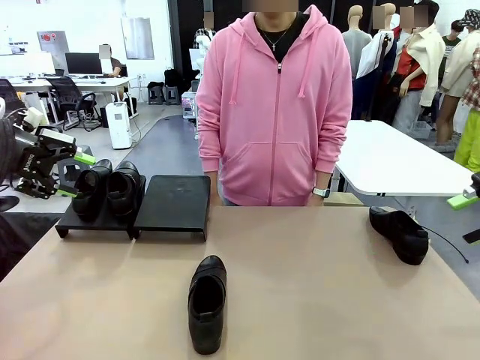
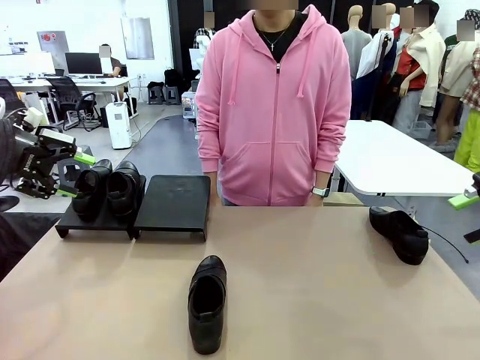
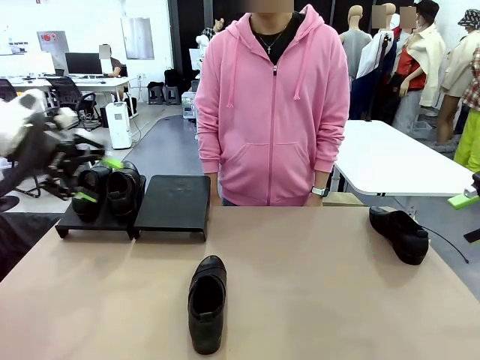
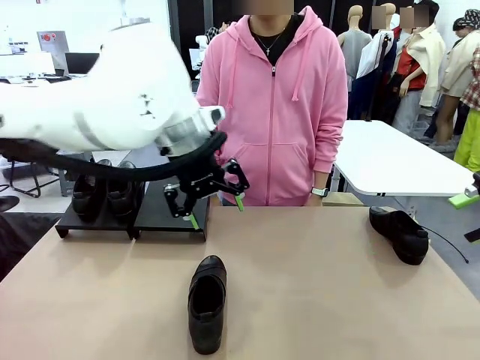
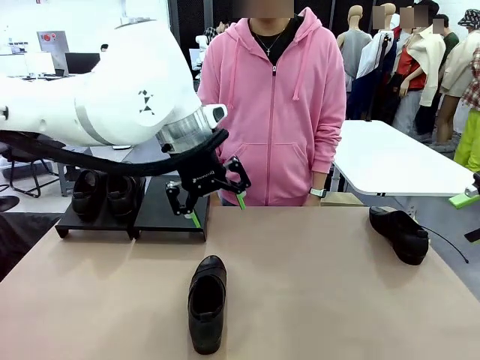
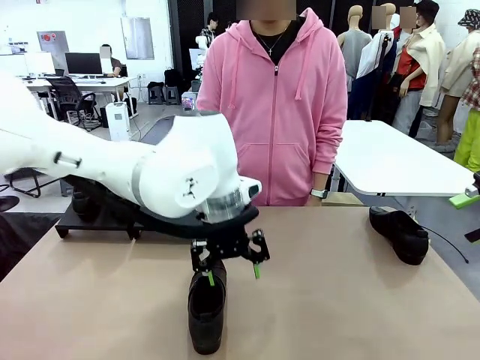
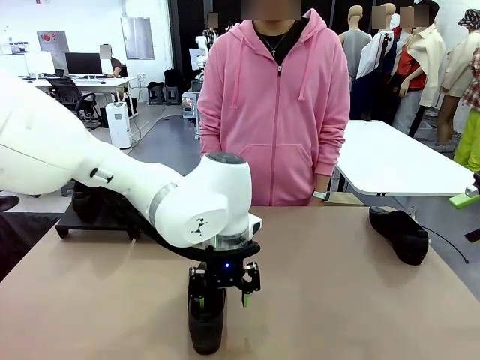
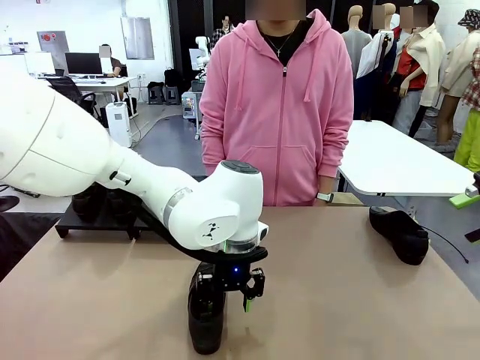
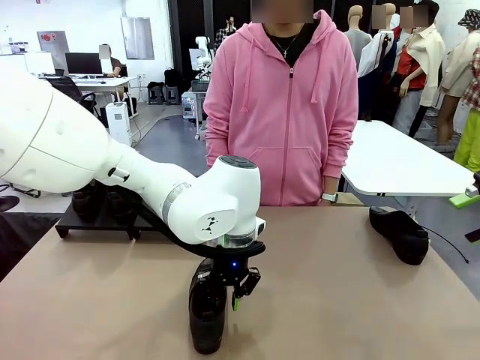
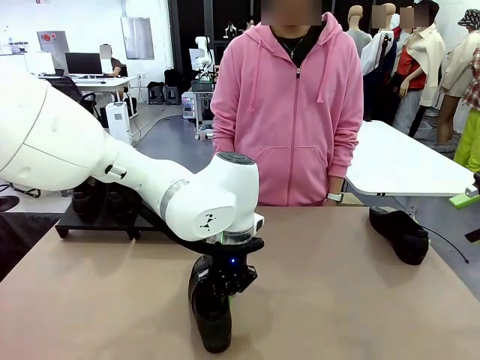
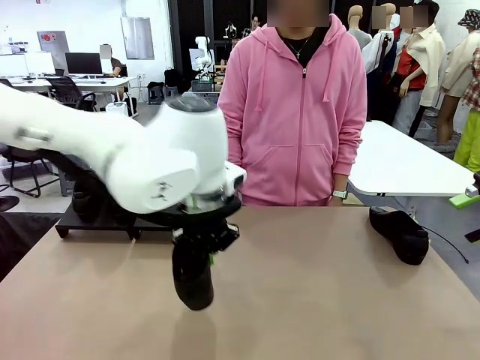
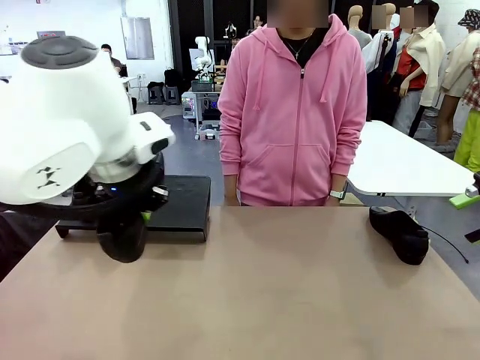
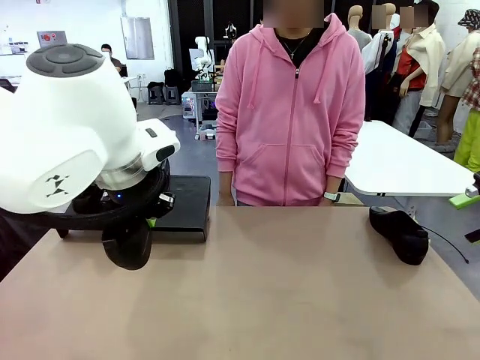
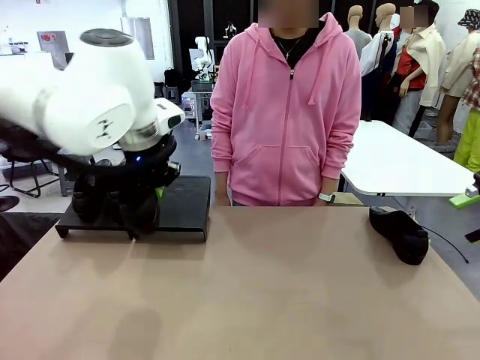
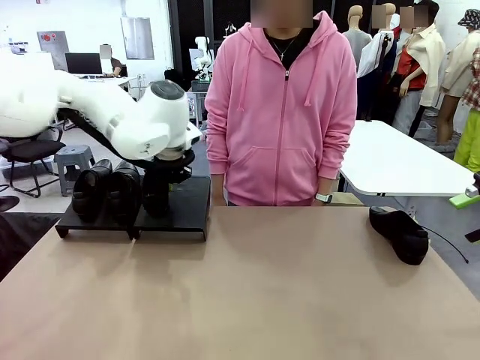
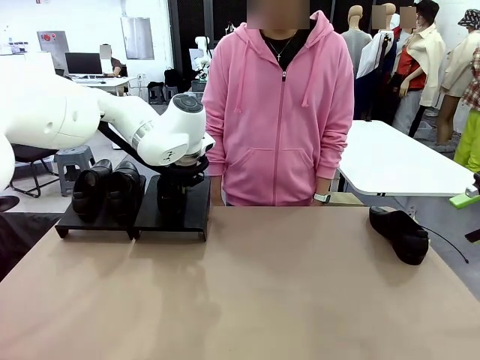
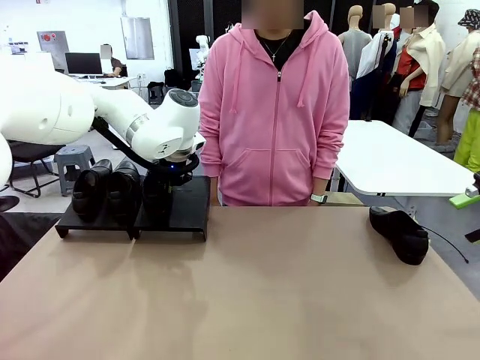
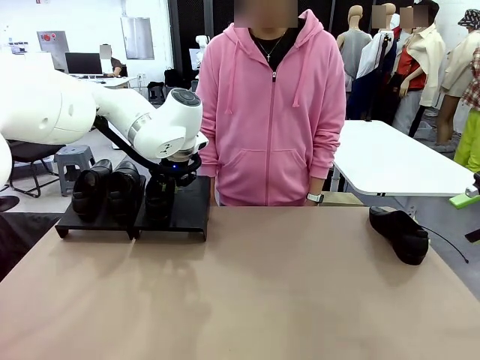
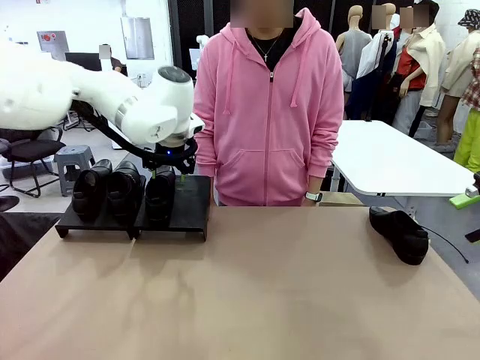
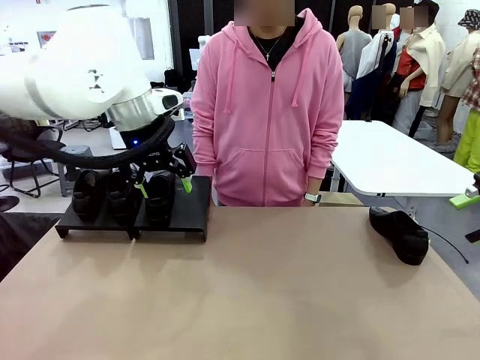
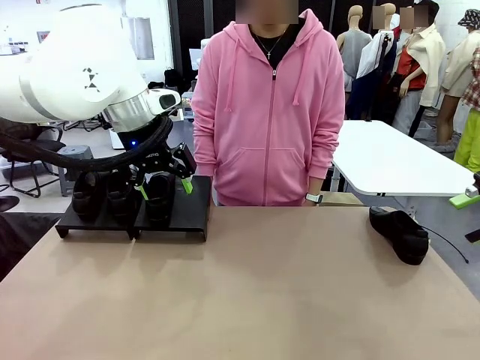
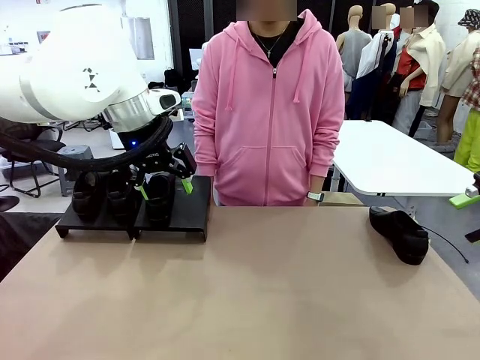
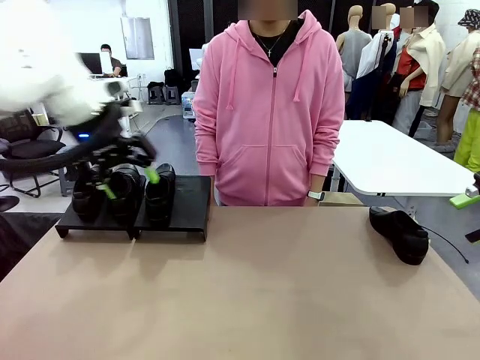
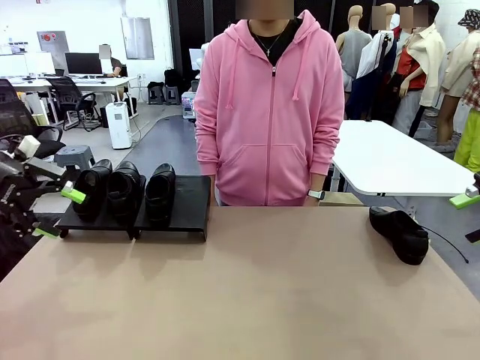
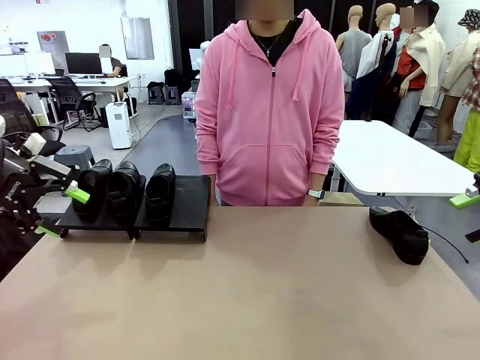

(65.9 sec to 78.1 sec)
Task: Organize the shoes by placing them on the stand.
Robot: Place the Shoe from the middle of the table onto the Shoes Stand.

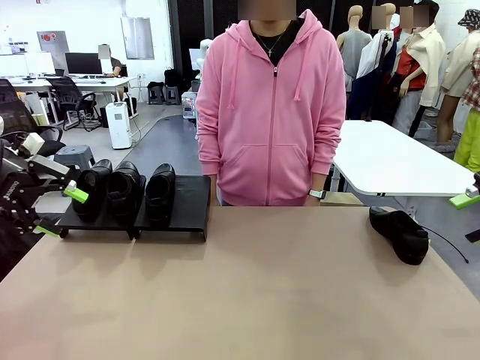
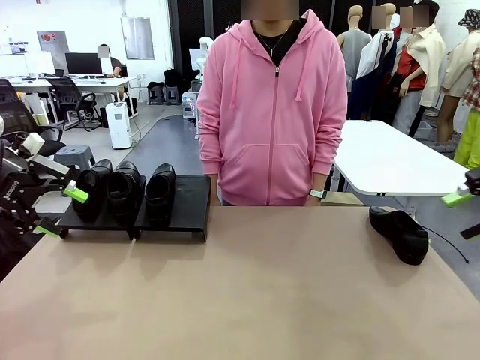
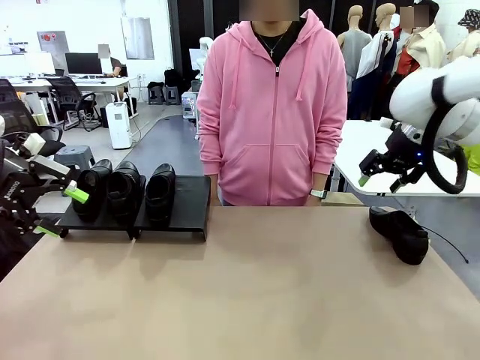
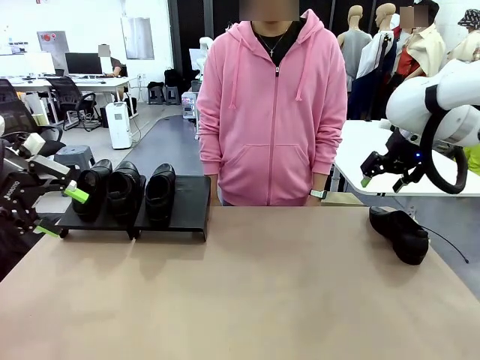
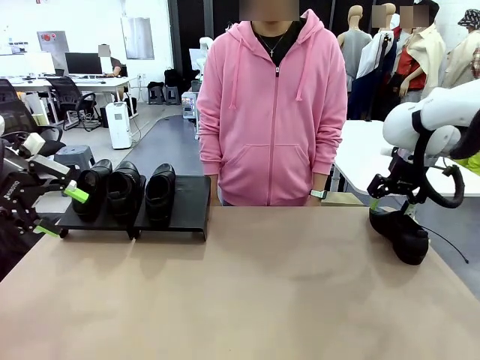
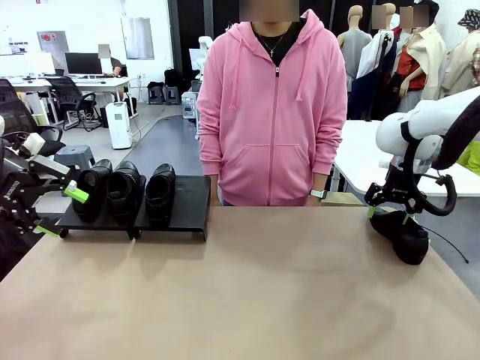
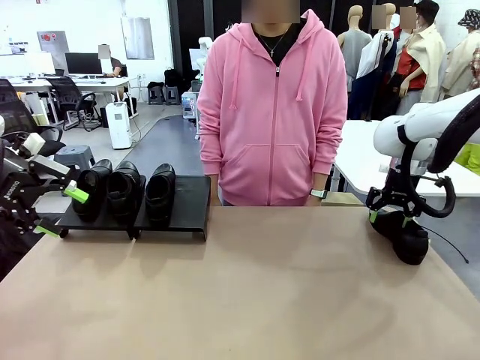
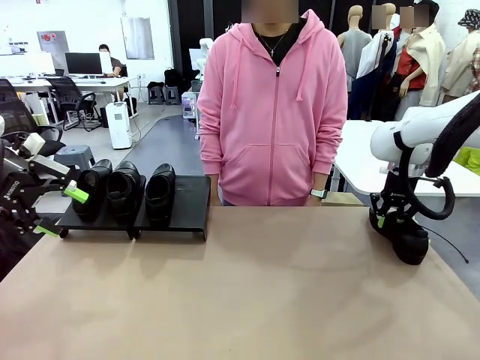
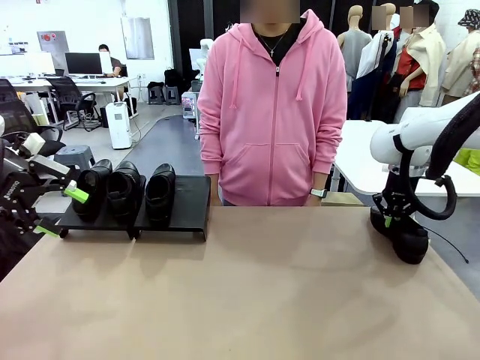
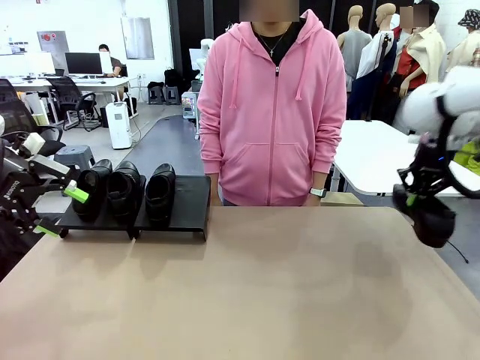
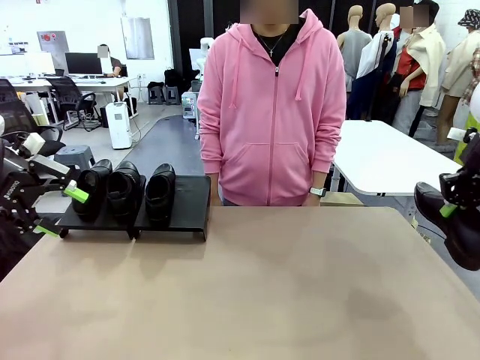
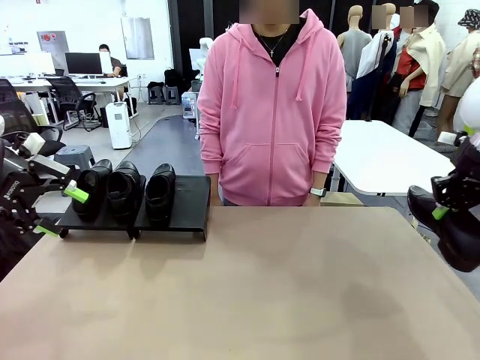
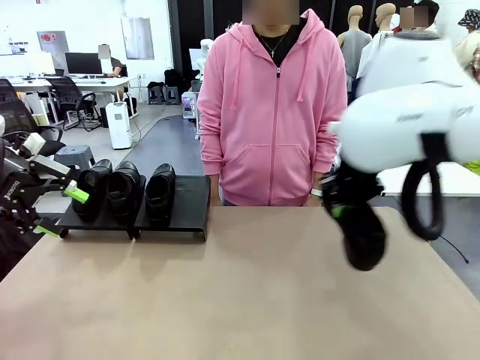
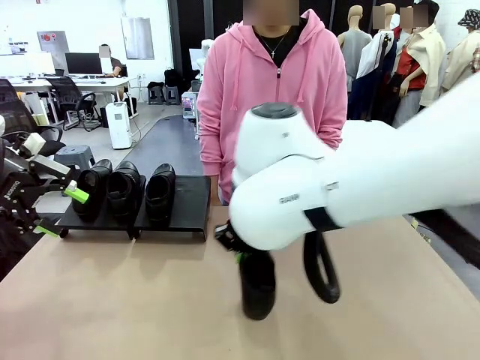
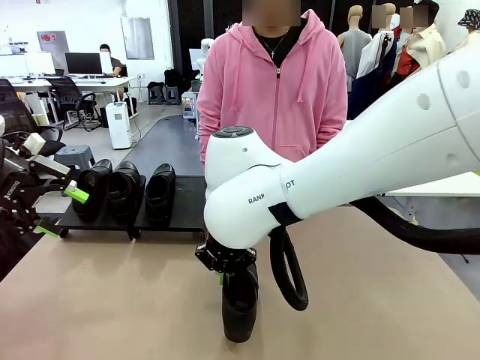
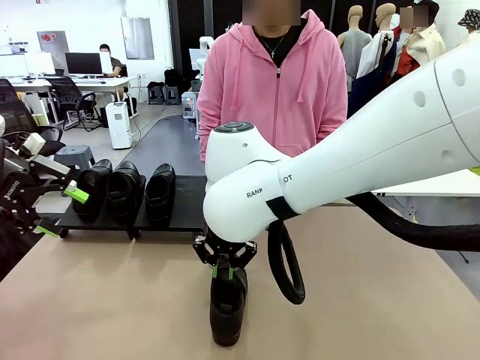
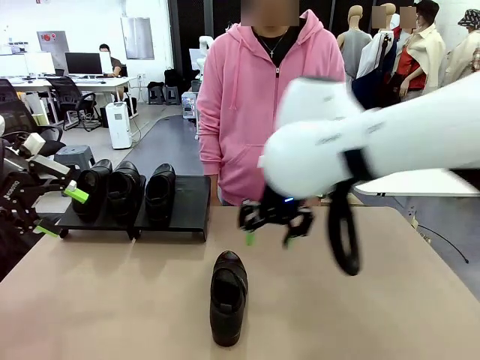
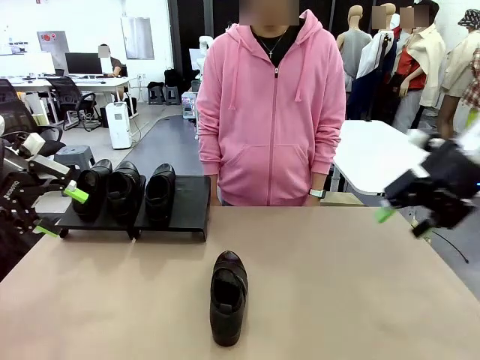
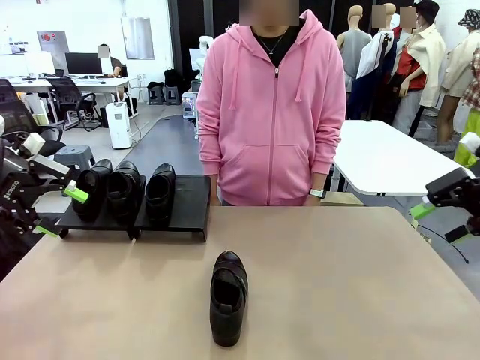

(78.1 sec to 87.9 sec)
Robot: Pick up one Shoe and place it in the middle of the table.

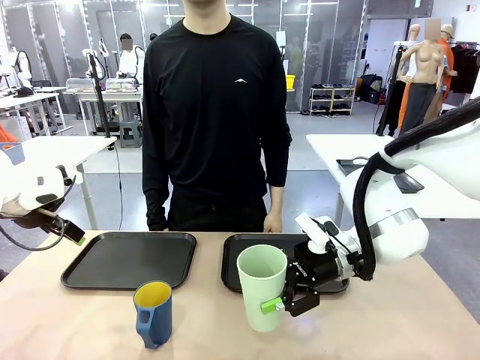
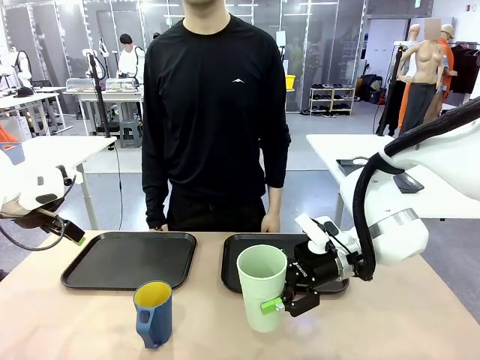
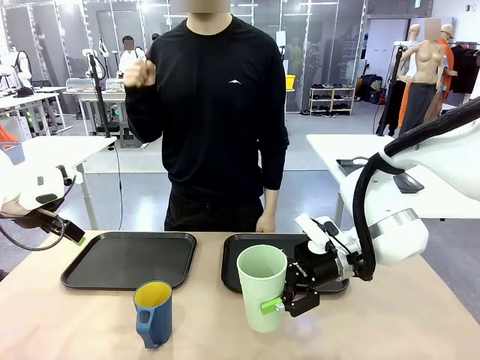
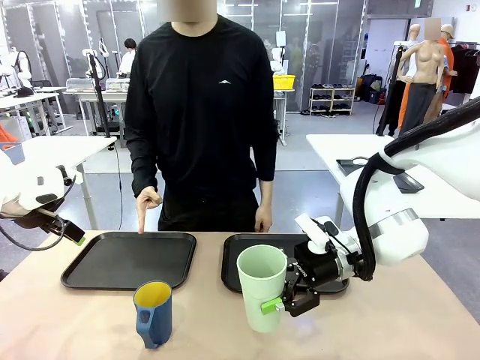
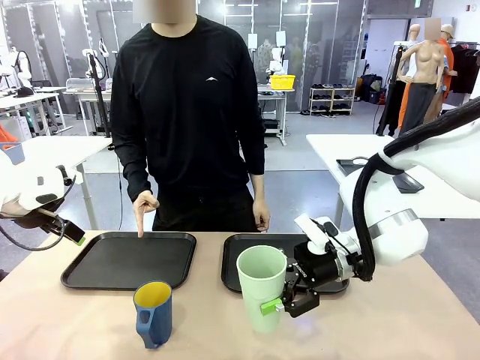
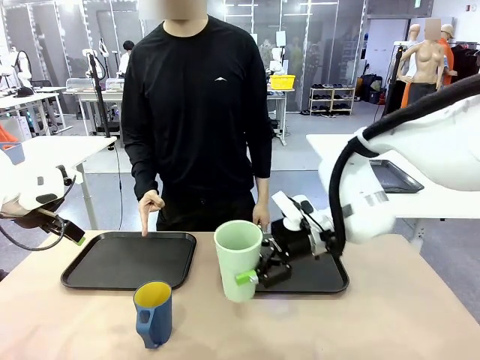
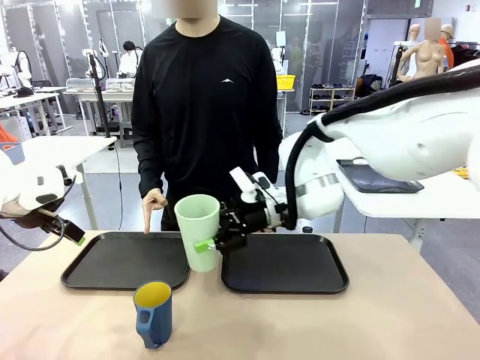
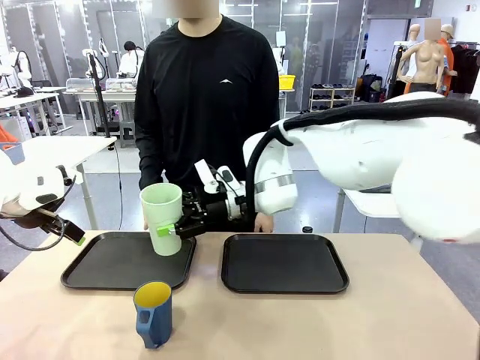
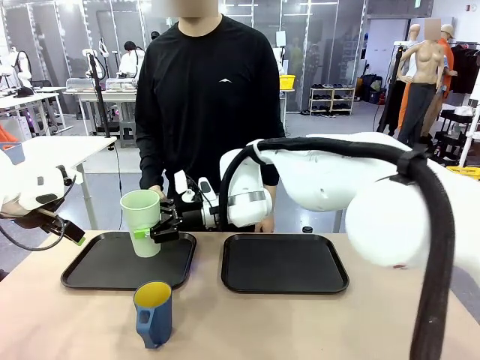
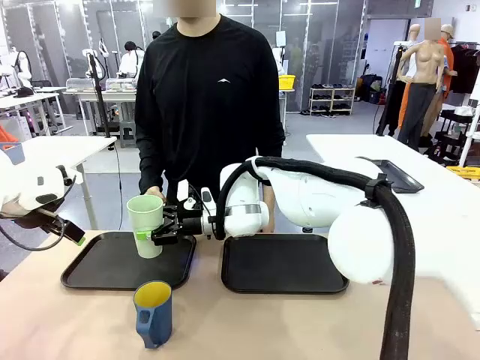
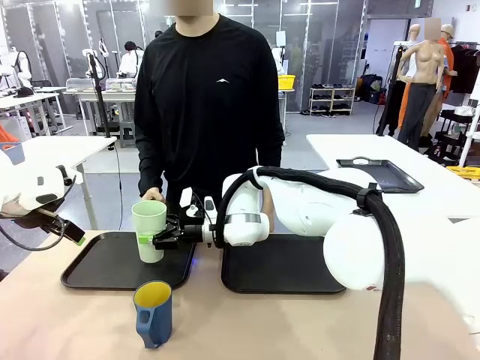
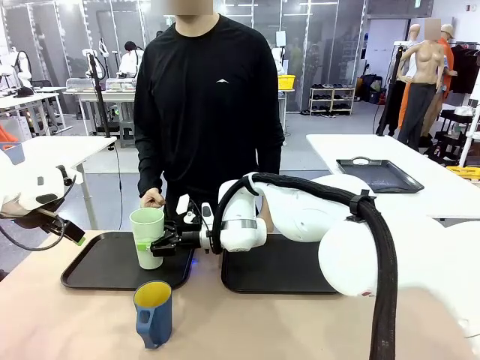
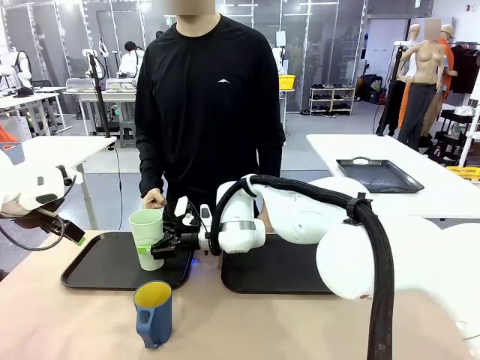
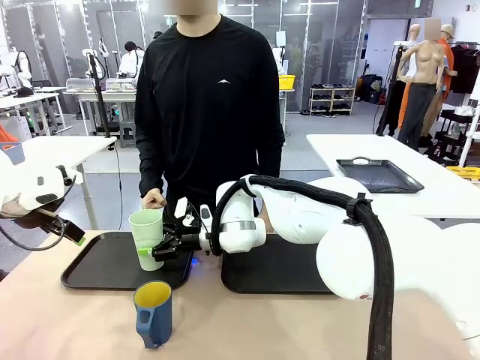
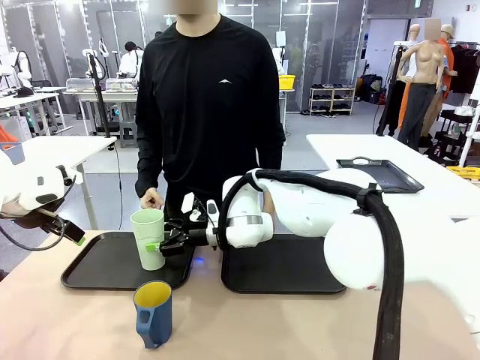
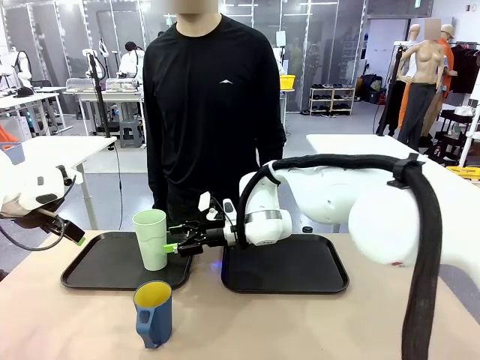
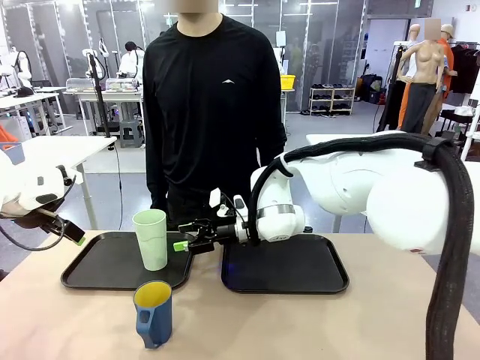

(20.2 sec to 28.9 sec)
Task: Sort and store the cups by type.
Robot: Place the picked Reusable plastic cup into the Flat Tray indicated by the person.
